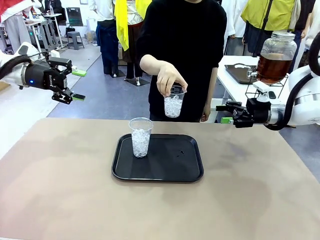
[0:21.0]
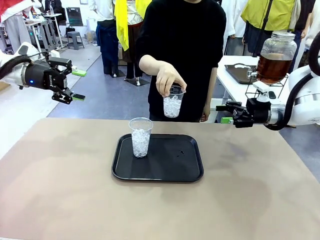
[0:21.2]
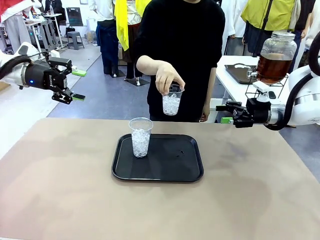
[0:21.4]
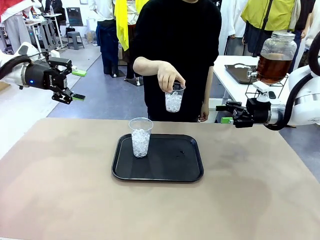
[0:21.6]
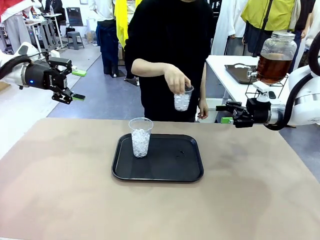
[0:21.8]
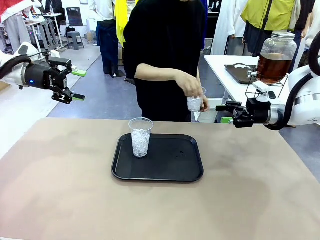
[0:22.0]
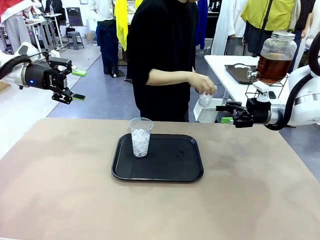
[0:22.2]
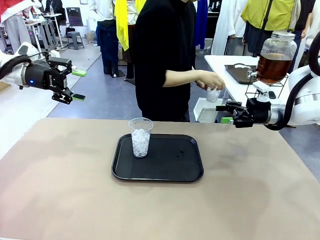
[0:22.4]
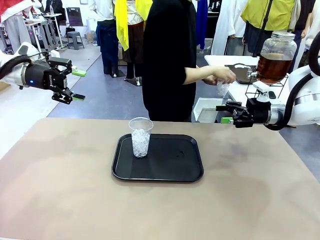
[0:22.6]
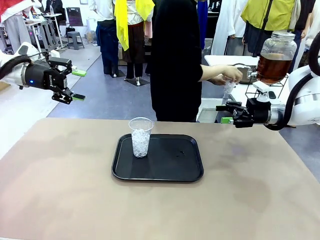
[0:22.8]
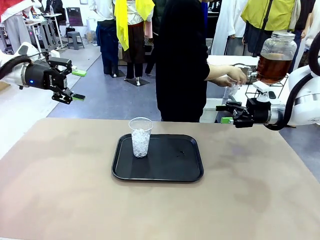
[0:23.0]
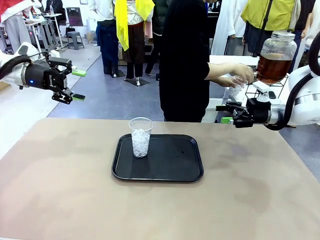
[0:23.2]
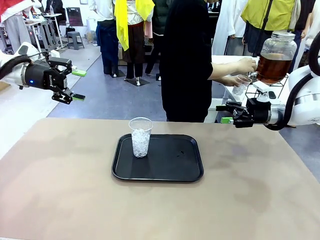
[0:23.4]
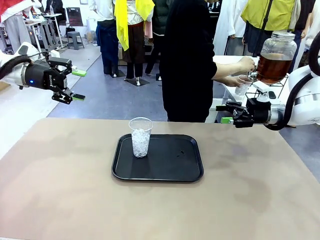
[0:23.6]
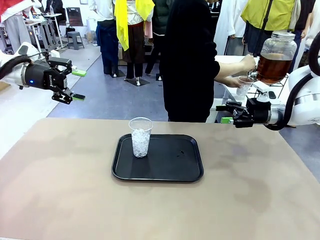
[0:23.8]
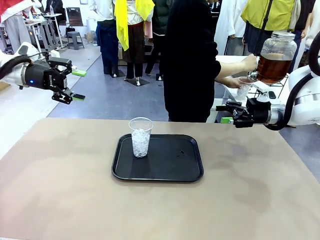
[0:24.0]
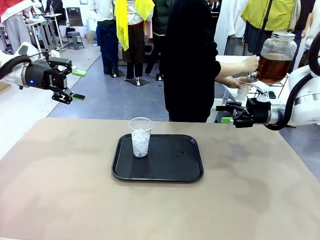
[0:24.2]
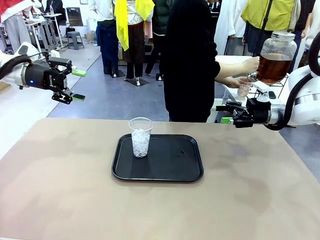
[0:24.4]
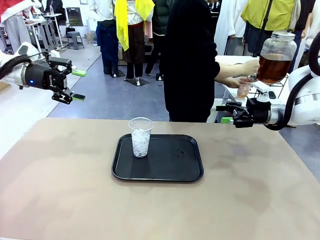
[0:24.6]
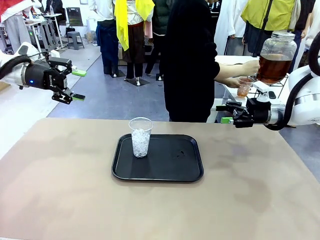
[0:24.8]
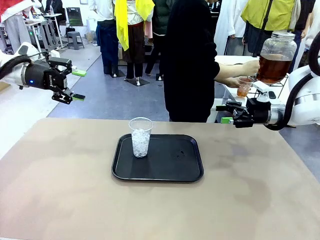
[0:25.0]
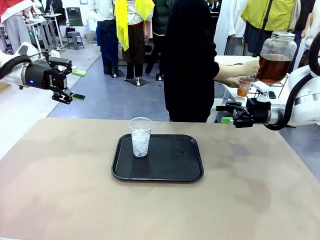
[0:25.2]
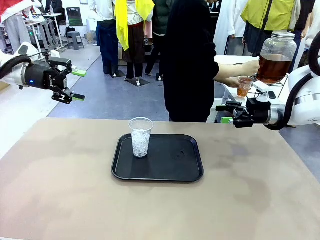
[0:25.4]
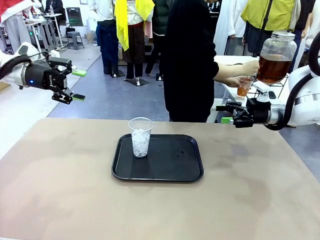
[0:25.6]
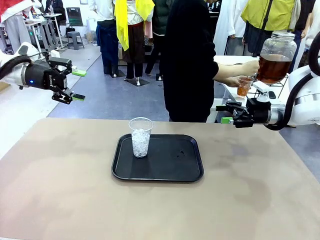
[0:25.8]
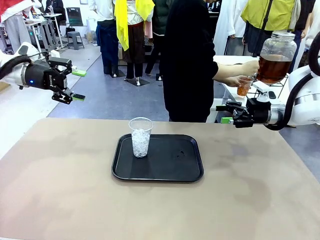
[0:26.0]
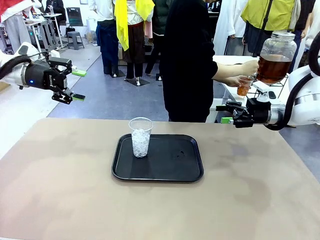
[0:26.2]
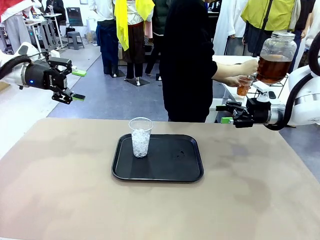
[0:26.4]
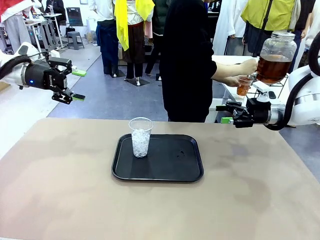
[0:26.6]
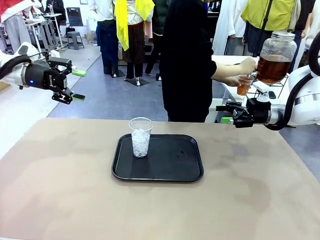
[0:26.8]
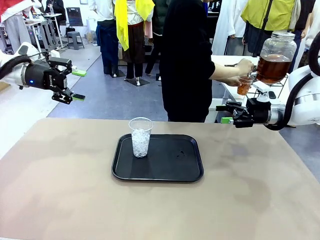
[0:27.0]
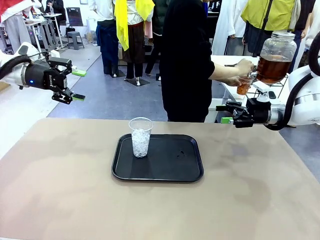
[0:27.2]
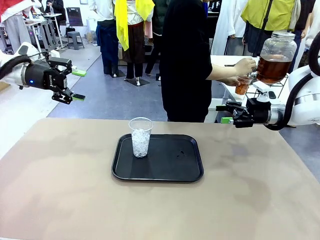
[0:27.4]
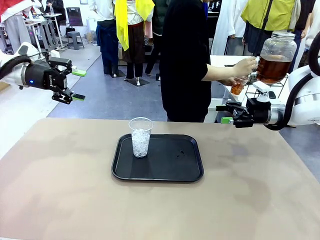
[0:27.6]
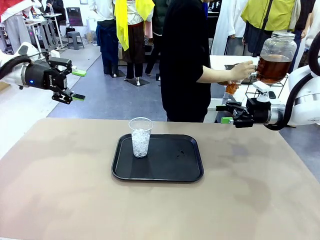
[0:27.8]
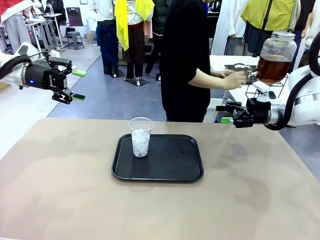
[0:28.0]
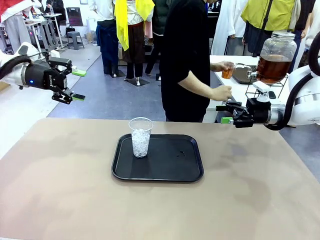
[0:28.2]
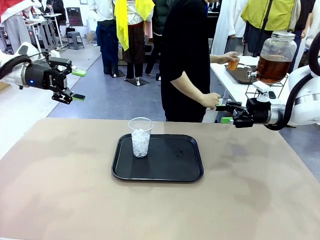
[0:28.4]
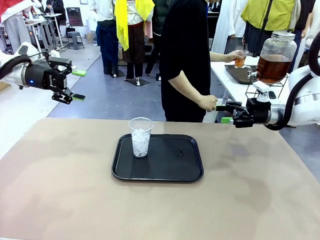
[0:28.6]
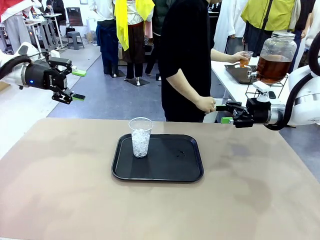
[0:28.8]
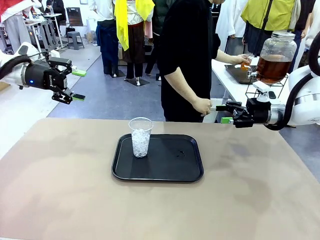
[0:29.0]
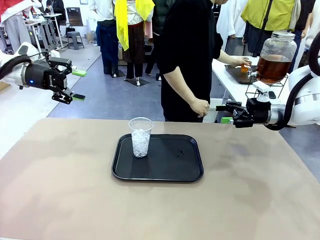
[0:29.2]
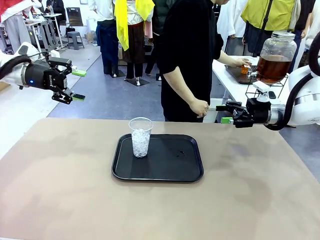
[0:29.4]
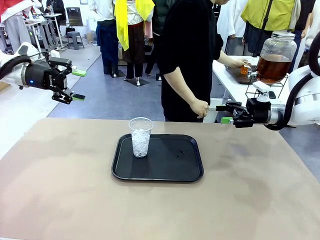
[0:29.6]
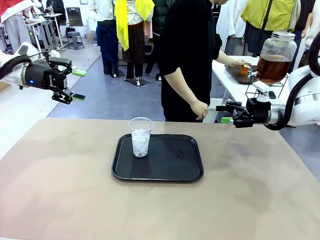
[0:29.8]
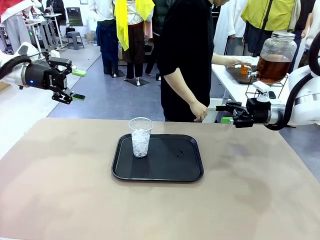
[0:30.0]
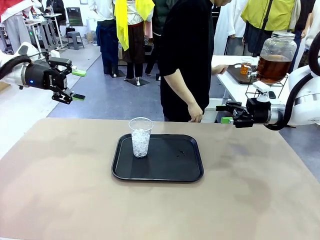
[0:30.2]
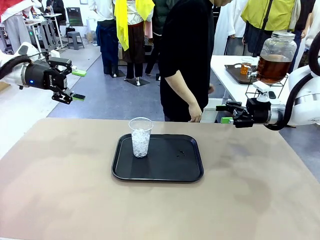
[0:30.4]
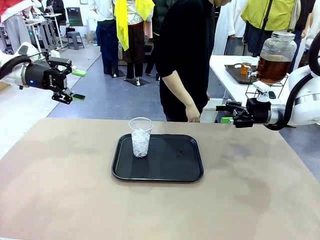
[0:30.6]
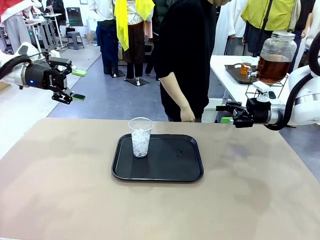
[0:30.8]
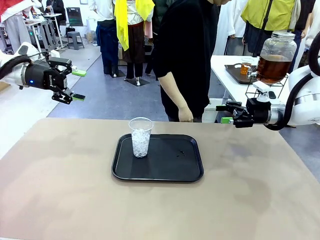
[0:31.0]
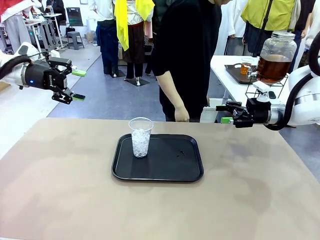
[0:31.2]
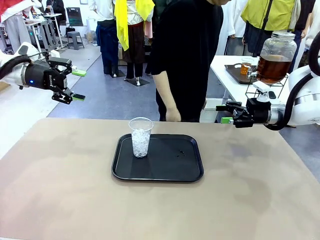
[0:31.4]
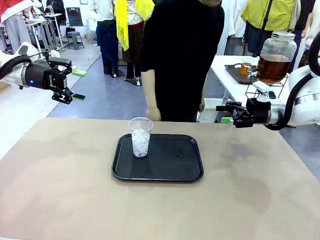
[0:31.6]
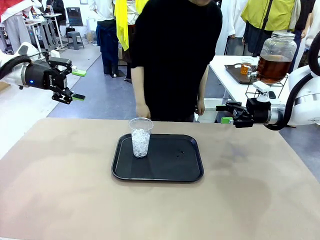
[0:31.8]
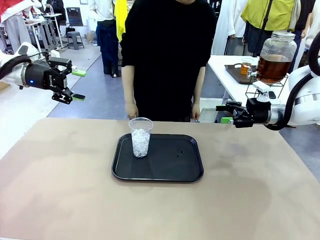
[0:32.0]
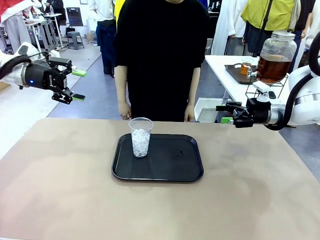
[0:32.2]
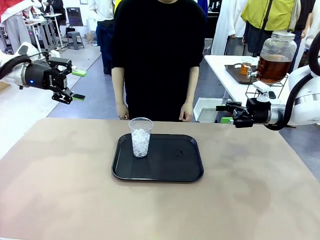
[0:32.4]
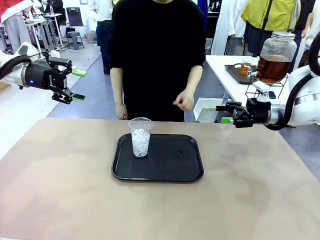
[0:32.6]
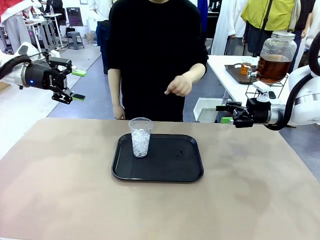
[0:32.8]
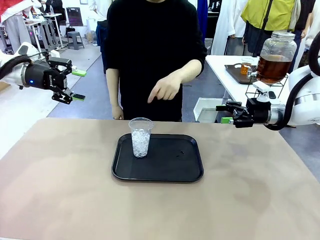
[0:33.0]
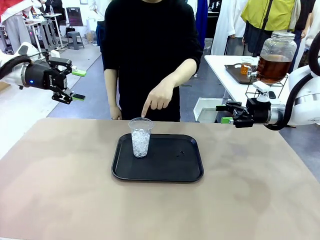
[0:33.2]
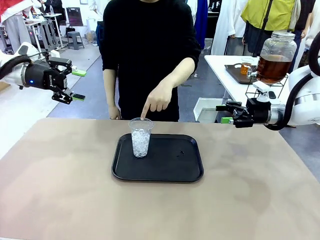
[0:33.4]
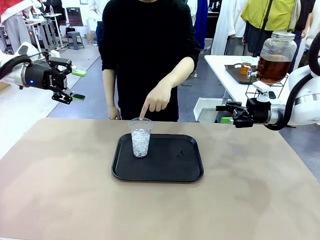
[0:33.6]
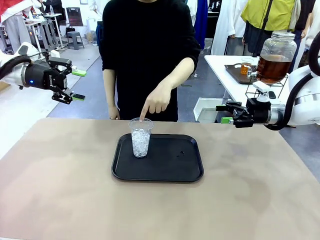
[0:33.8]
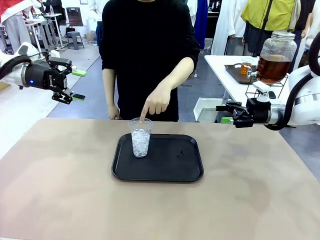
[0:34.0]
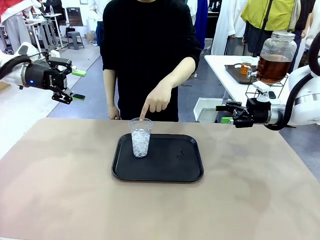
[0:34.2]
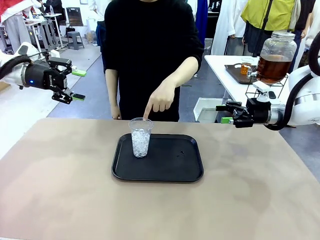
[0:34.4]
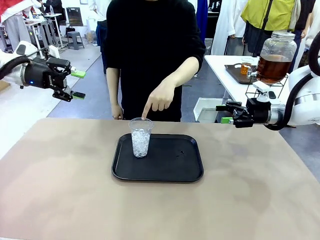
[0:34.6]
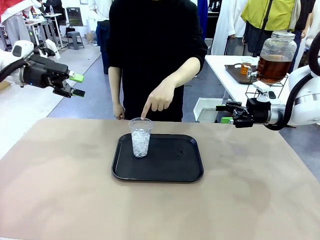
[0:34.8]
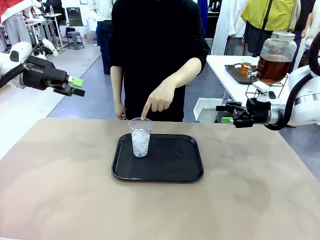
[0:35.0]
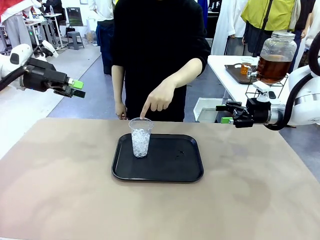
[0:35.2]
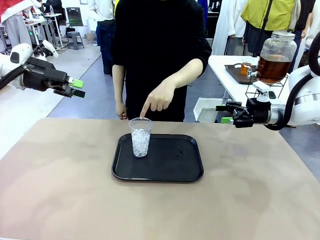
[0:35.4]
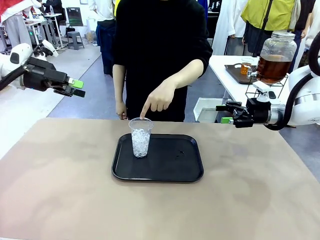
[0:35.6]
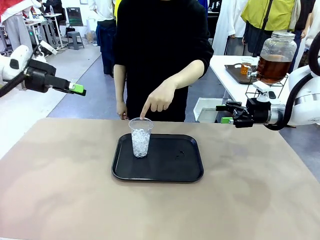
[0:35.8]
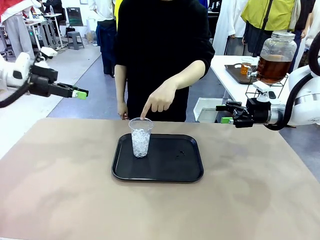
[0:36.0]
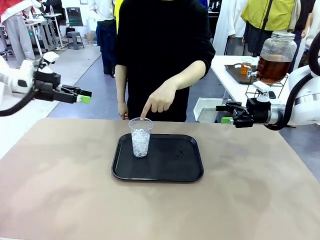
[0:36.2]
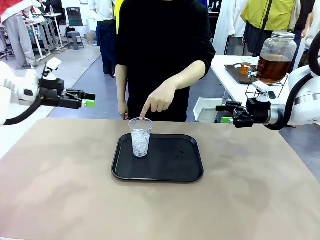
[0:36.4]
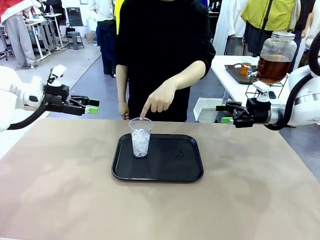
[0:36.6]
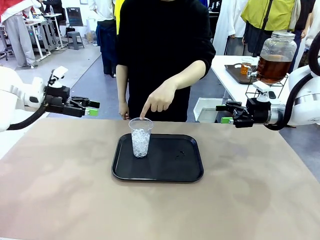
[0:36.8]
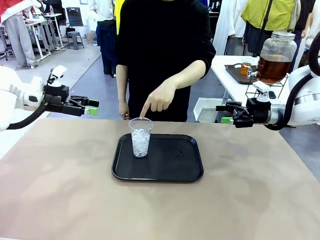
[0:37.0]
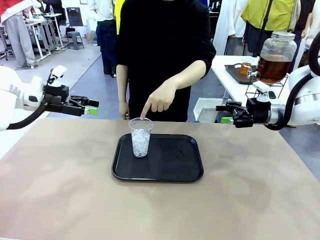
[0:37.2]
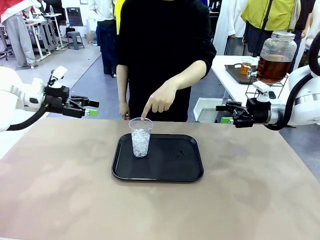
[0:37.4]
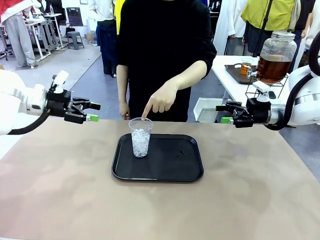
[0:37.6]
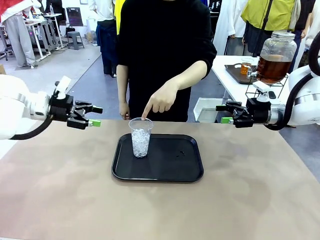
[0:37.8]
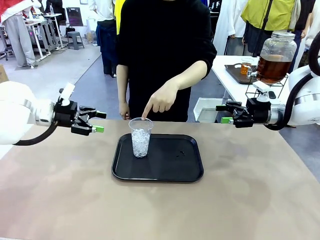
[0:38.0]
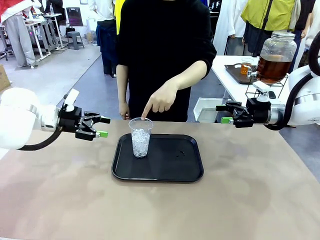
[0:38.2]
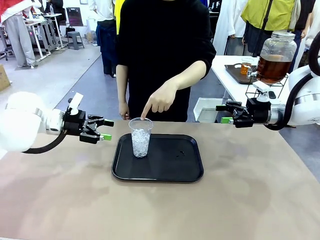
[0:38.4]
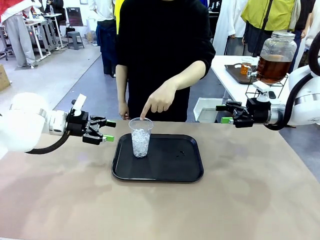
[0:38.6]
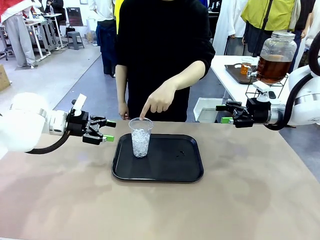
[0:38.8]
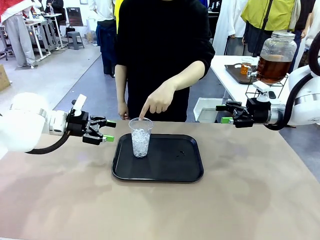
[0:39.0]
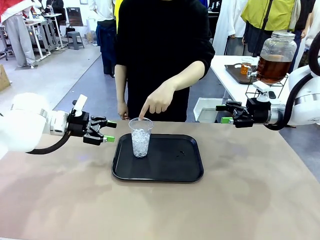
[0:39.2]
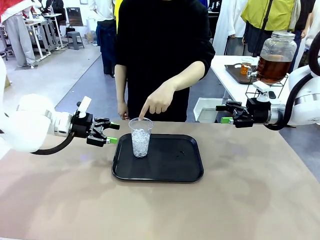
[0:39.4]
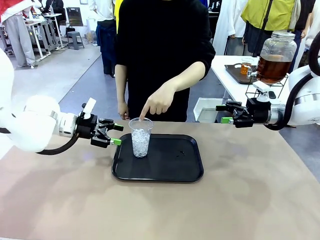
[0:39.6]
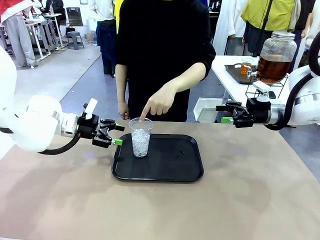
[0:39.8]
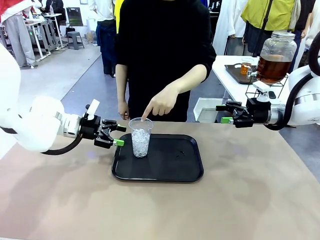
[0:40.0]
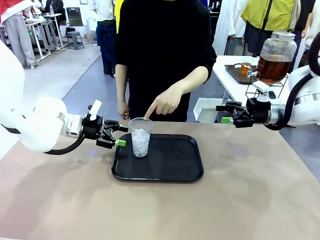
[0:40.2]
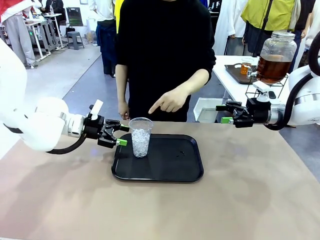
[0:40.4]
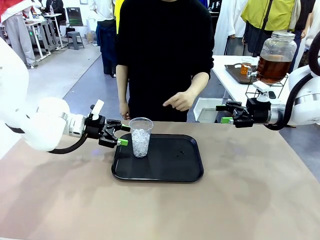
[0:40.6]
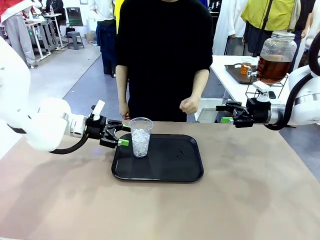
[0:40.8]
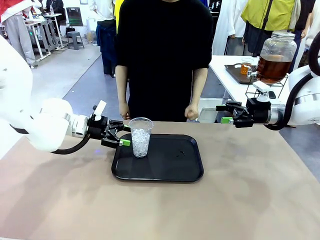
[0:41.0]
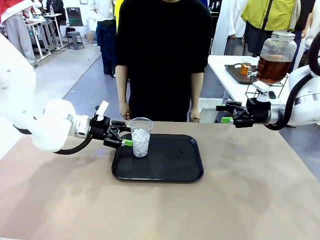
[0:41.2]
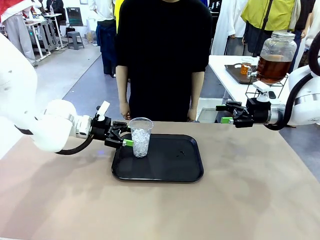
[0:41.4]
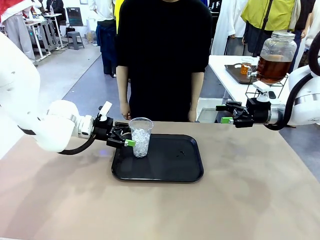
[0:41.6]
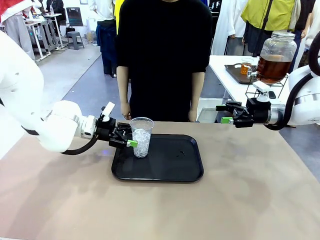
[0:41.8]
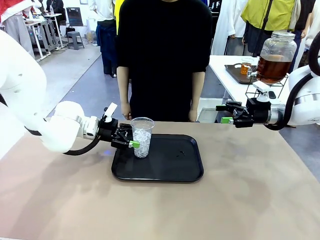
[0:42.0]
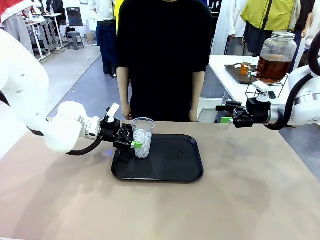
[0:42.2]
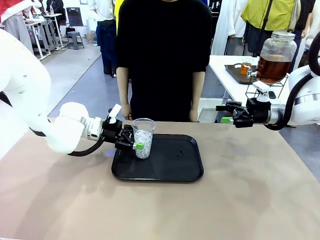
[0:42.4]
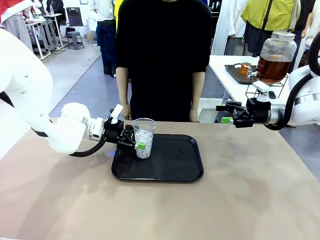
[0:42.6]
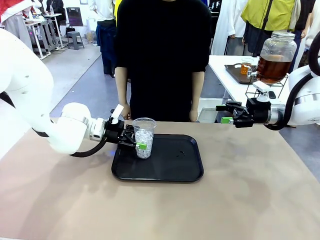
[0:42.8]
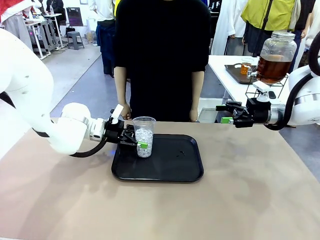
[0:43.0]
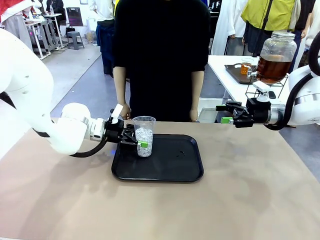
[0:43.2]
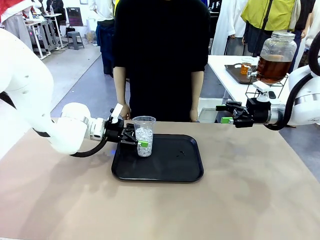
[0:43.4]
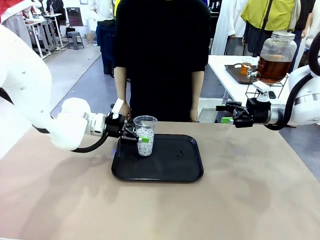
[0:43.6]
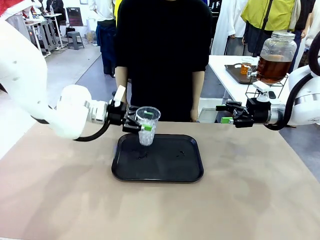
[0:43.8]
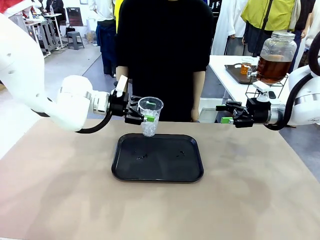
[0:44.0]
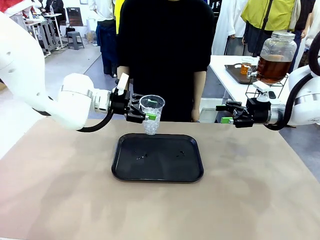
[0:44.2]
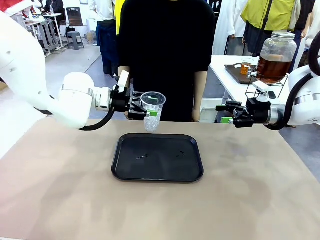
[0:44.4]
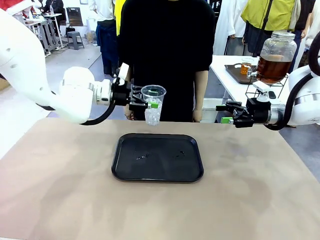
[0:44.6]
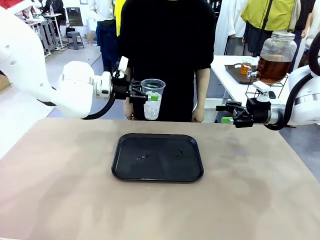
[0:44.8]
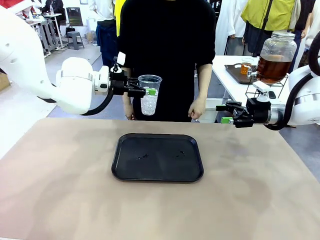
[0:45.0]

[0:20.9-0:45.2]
Task: Pour the drink into the iced cup.
Robot: Pick up the iced cup indicated by the human and present it to them.
Person: Move the picked-up cup under the dispenser faucet, pour the drink, and place it on the tray on the human table. Point to the remaining ice cup on the robot table. Pick up the cup offered by the robot.
